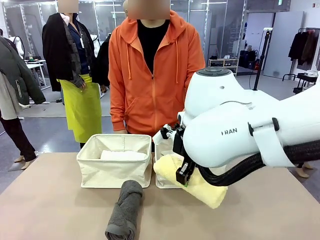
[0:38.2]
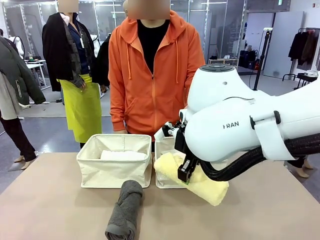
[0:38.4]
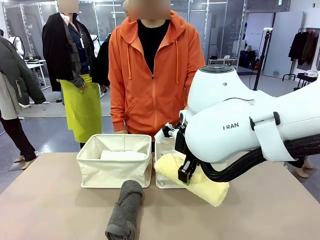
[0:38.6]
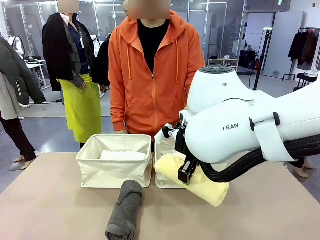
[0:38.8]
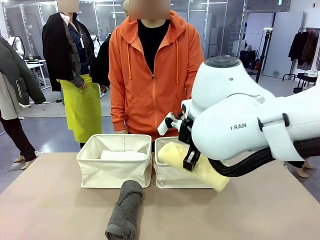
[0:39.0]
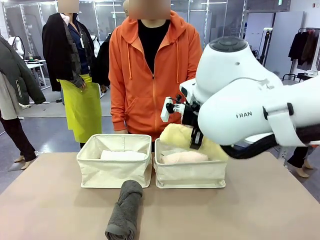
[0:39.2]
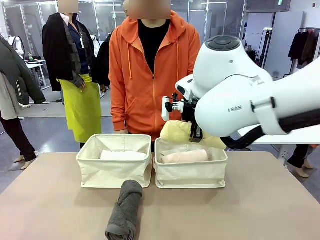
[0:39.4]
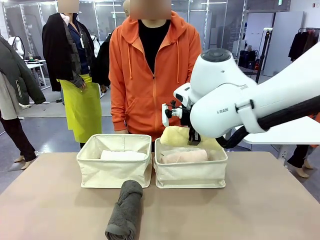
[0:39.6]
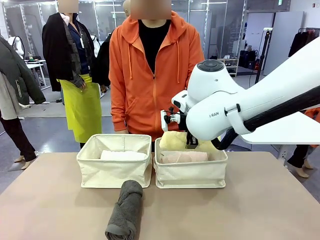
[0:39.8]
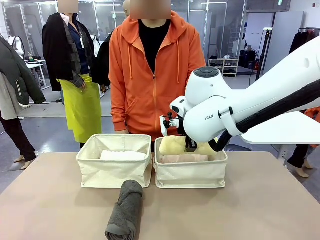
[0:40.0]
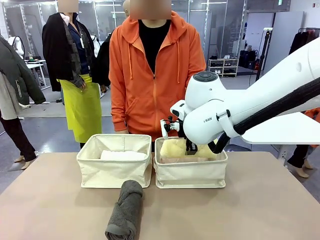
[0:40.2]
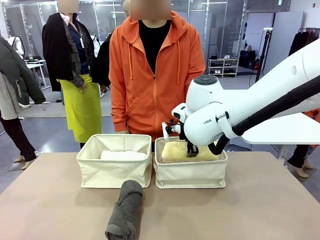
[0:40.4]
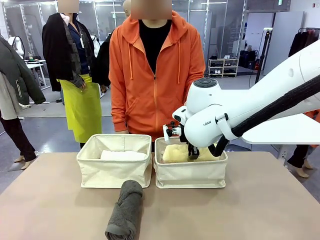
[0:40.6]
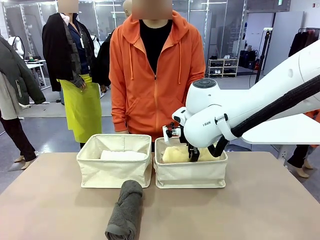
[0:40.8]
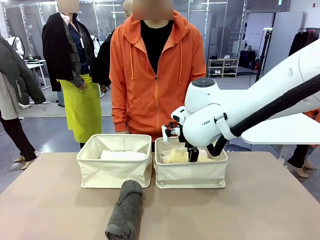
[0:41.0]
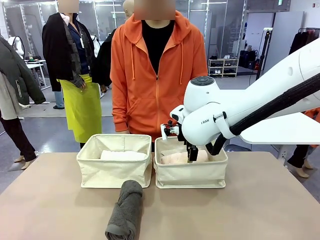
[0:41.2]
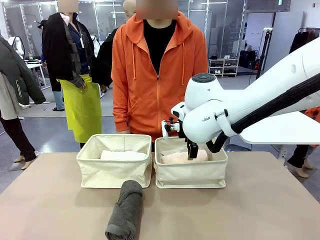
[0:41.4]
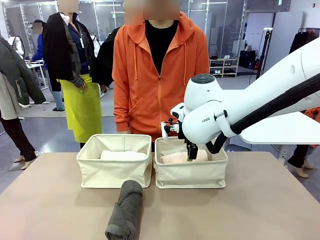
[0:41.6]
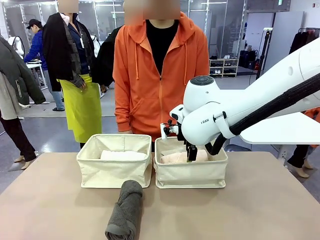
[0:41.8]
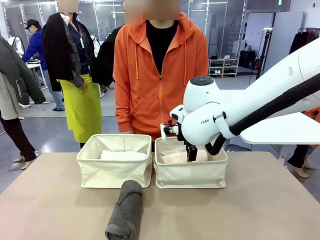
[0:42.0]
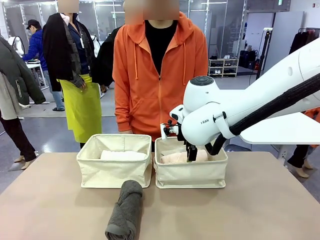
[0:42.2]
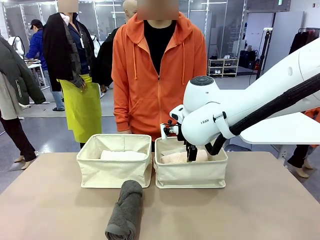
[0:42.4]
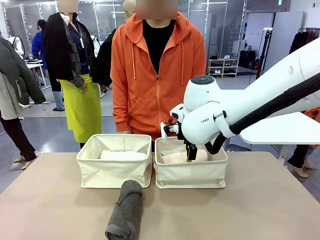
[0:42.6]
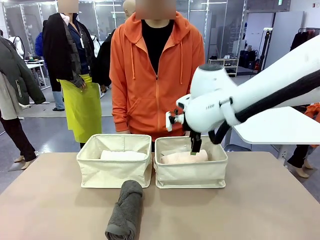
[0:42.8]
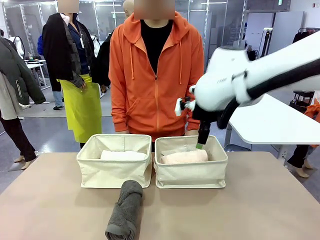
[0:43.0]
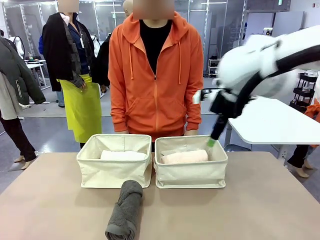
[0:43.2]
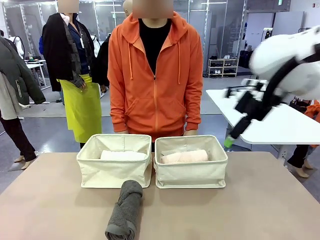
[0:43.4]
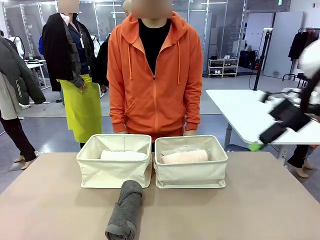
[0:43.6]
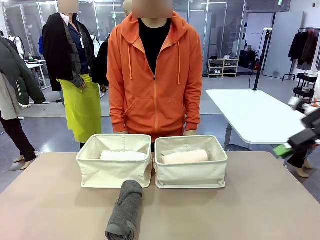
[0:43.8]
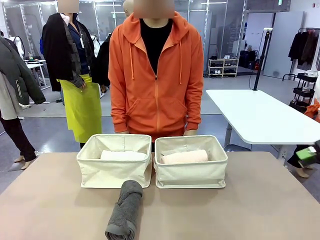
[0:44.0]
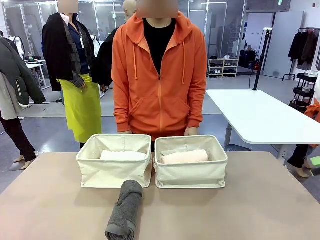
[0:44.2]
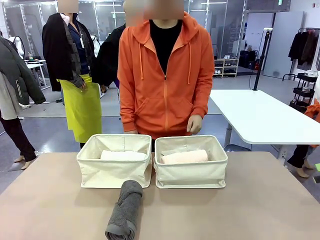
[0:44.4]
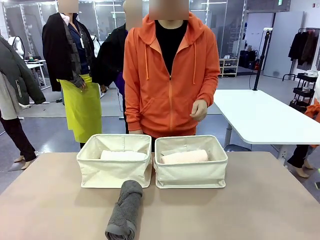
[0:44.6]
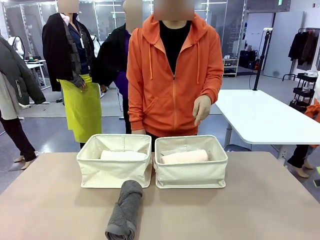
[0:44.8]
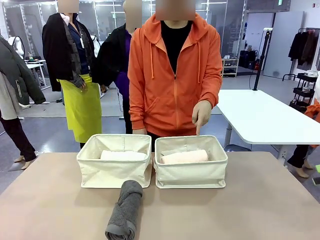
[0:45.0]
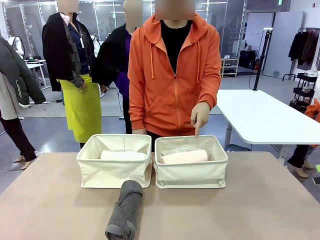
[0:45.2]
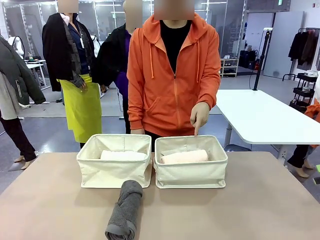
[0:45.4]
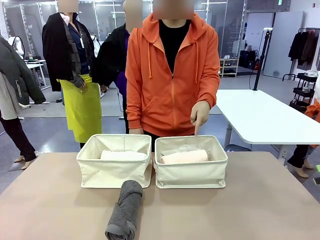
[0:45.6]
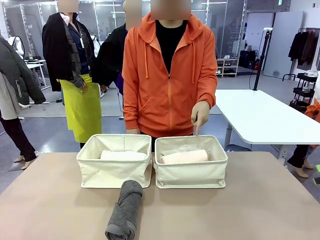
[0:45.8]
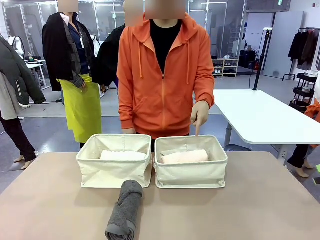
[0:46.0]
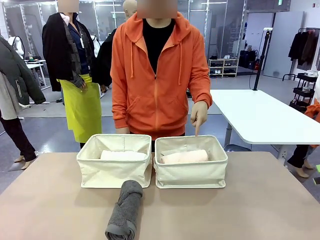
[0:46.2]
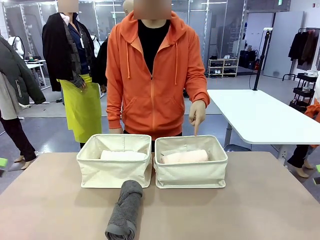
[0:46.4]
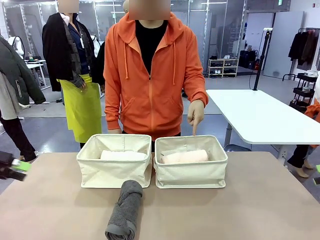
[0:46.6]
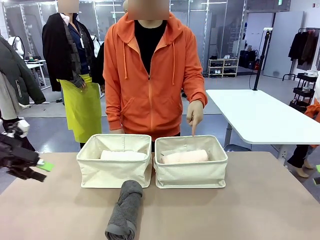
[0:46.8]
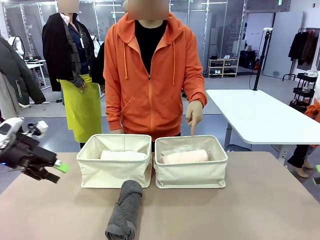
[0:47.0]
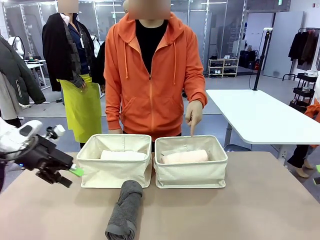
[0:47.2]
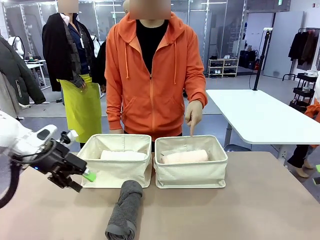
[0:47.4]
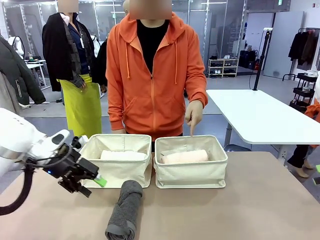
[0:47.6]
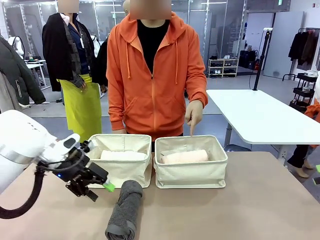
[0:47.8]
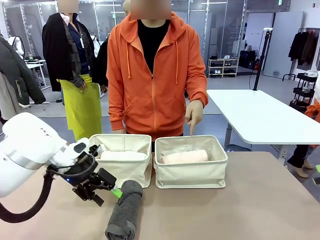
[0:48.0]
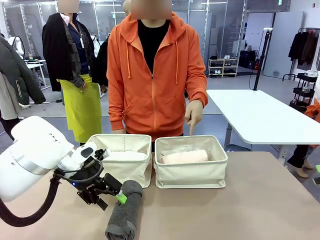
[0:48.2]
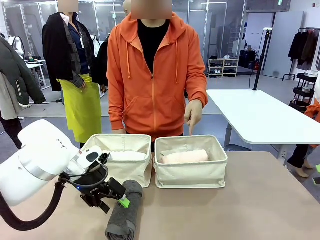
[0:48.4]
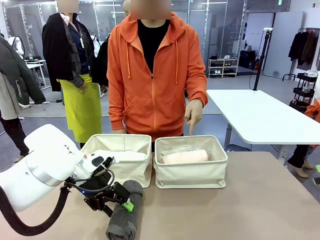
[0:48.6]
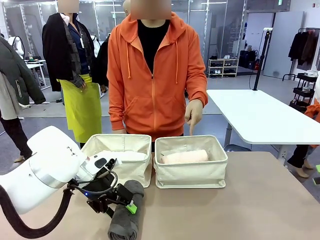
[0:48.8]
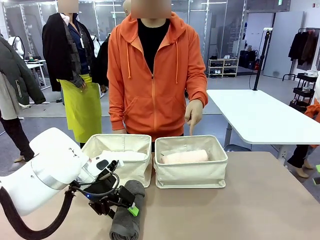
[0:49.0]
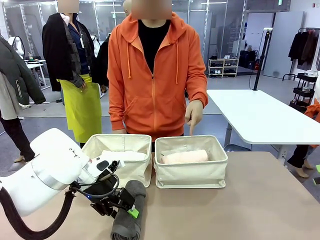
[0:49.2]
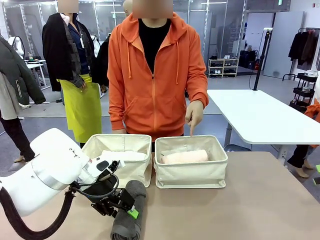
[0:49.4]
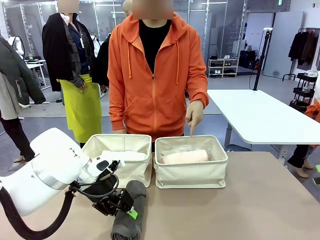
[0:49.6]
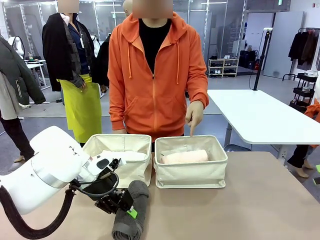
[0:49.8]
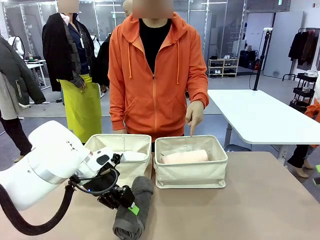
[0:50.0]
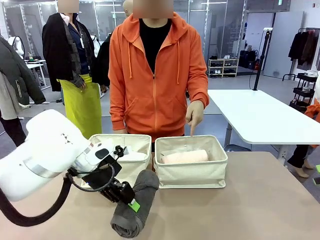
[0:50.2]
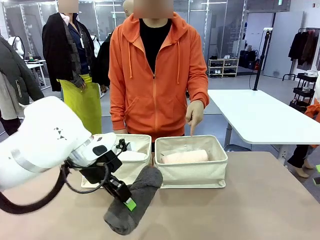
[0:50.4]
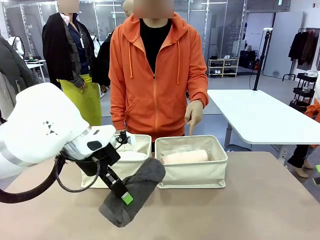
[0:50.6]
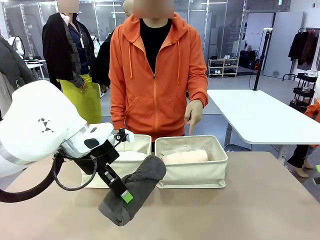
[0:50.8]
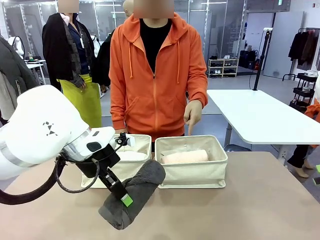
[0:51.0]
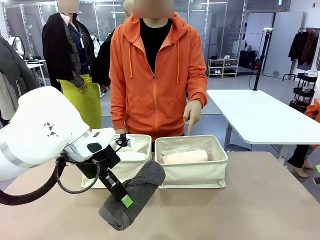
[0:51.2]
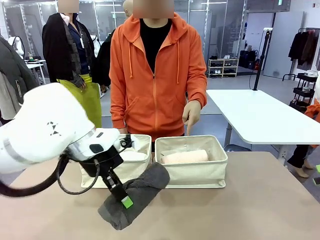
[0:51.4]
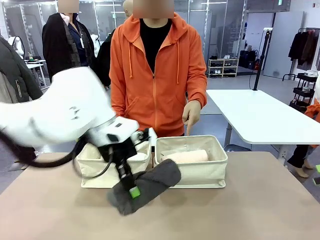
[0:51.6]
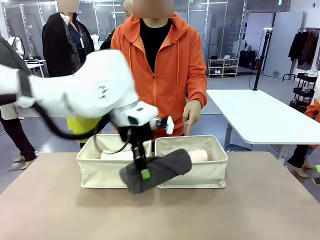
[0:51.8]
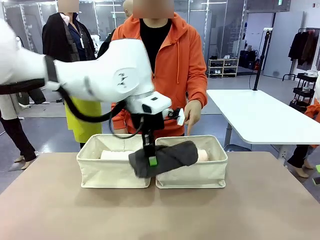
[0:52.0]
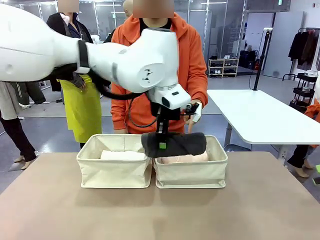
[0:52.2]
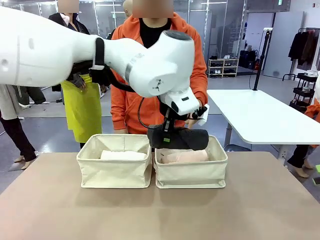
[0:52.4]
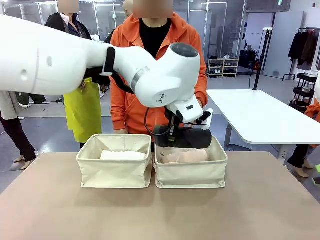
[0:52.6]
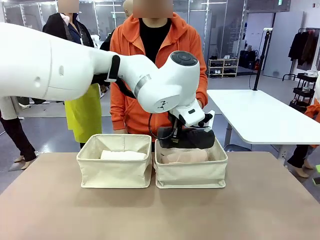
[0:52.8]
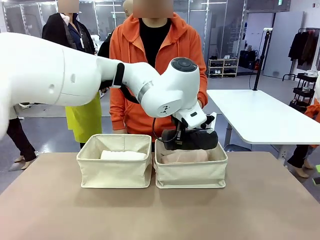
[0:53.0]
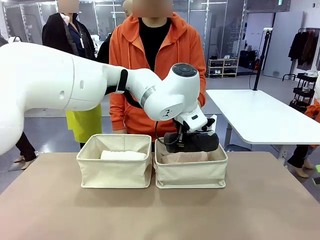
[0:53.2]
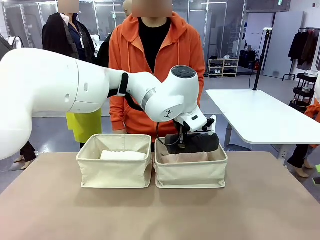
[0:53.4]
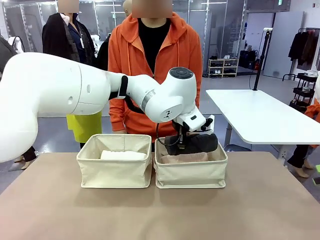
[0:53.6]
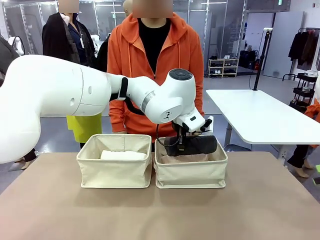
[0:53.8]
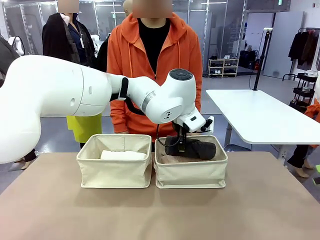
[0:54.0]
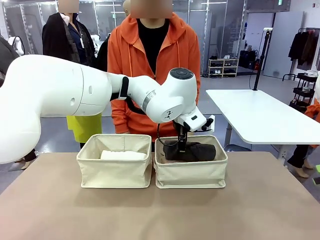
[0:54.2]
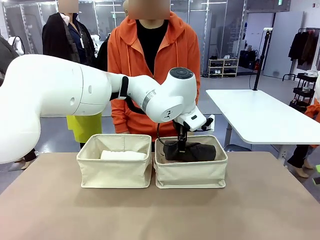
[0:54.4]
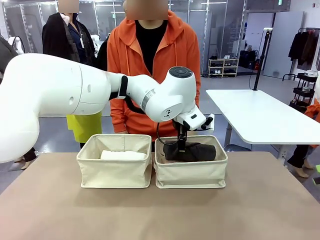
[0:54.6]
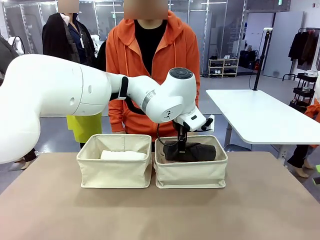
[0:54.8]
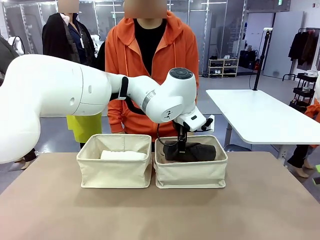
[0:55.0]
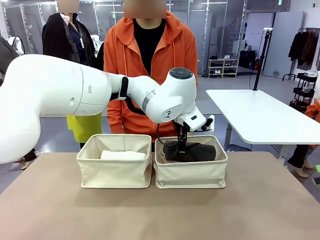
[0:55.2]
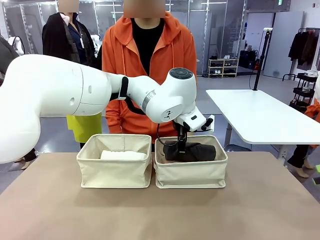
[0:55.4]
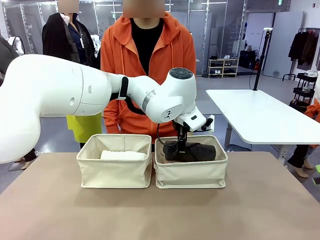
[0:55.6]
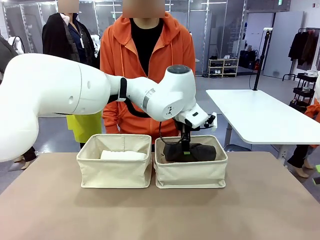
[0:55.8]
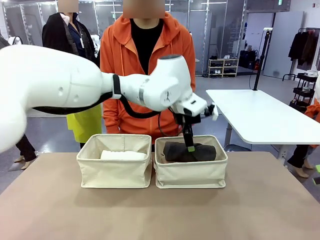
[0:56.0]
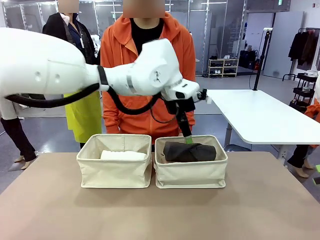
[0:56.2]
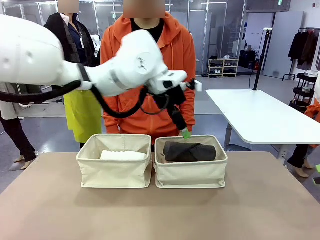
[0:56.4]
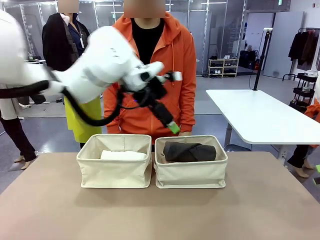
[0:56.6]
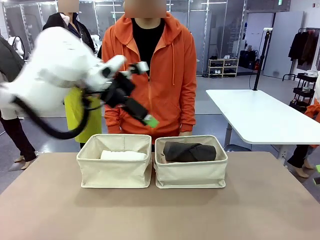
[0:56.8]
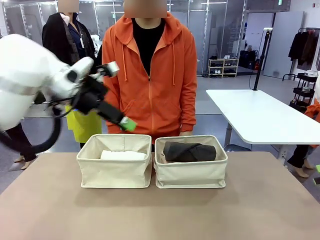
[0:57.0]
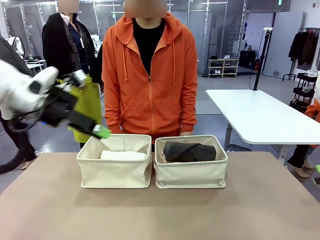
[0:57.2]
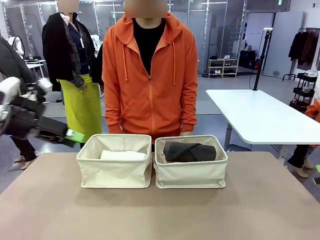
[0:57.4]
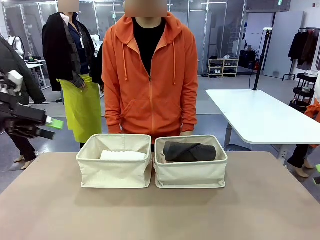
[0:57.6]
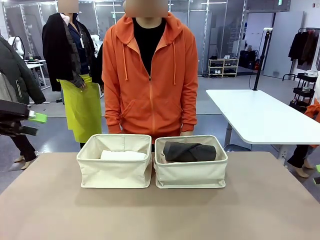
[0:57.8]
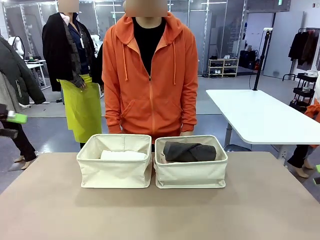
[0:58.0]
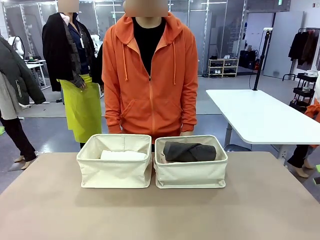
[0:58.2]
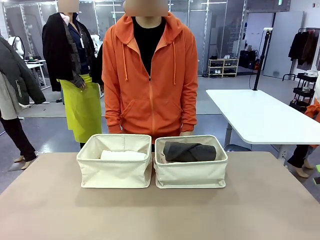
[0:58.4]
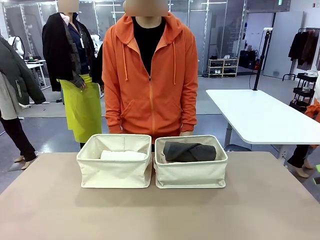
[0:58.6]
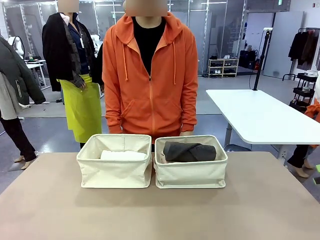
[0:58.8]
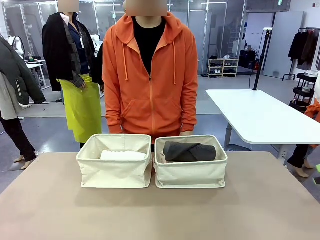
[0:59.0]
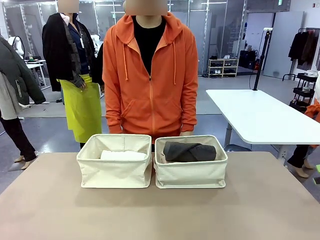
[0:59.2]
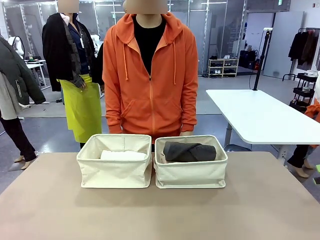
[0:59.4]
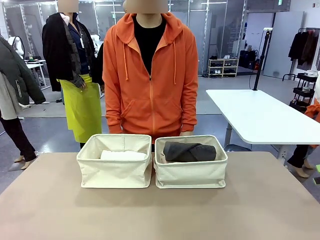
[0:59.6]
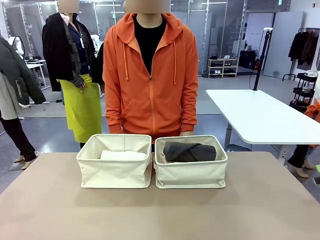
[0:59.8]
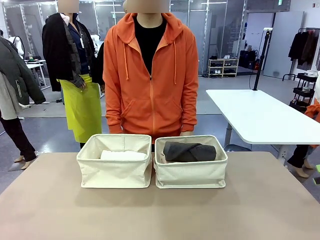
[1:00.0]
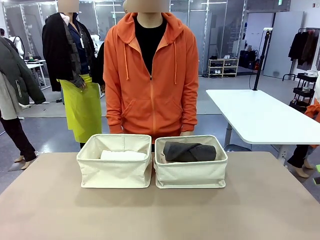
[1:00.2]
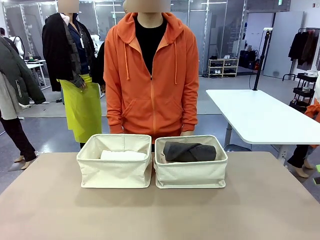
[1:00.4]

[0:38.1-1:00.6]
Task: Divide the towels into two baskets.
Robot: Pick up one hotel-folded towel from the bottom of the table and place it in the Fabric basket indicated by the person.
